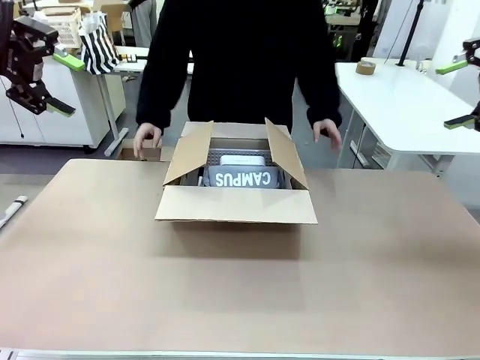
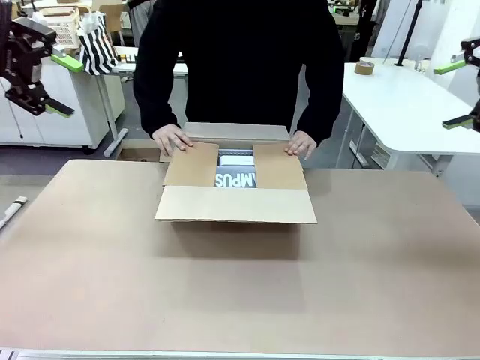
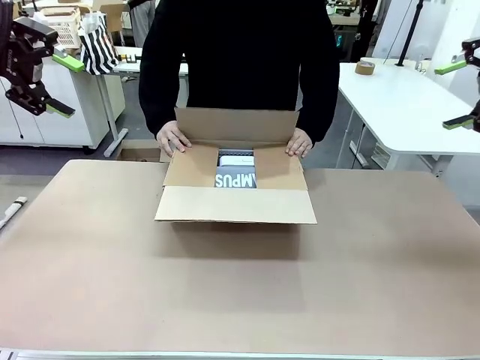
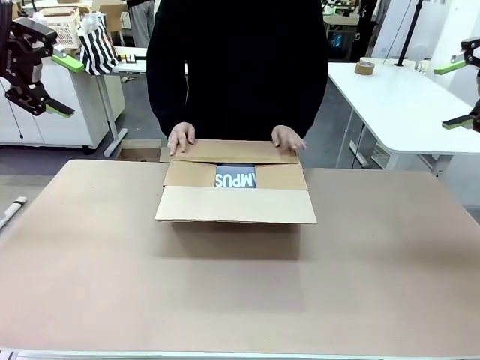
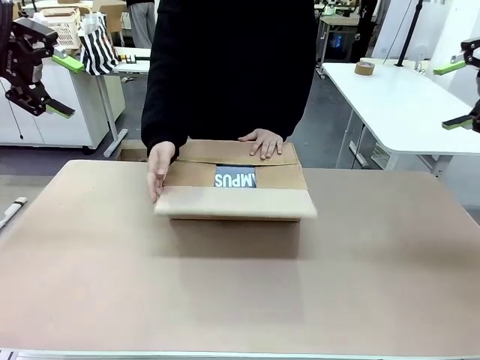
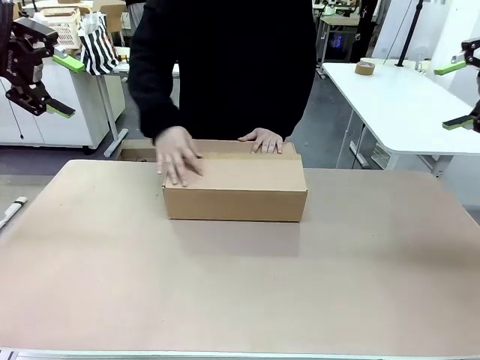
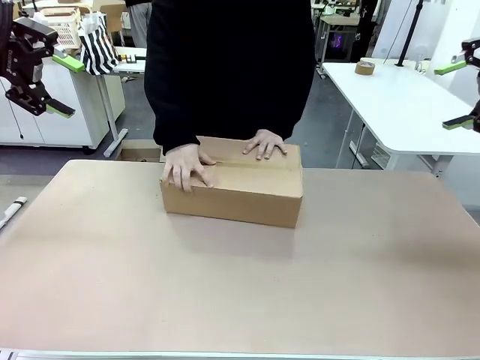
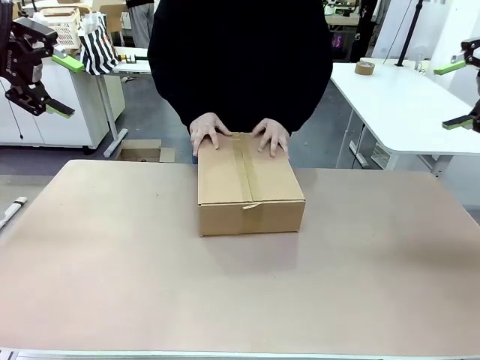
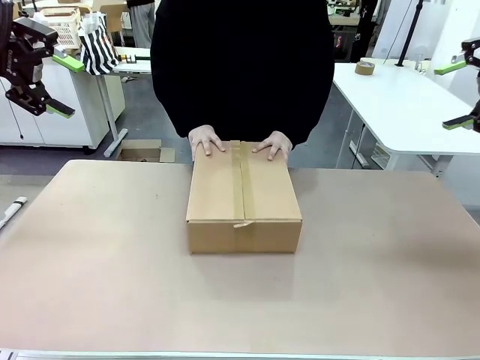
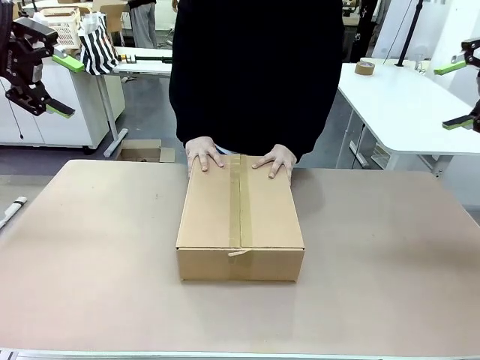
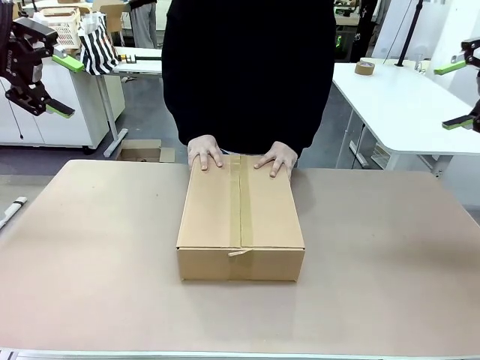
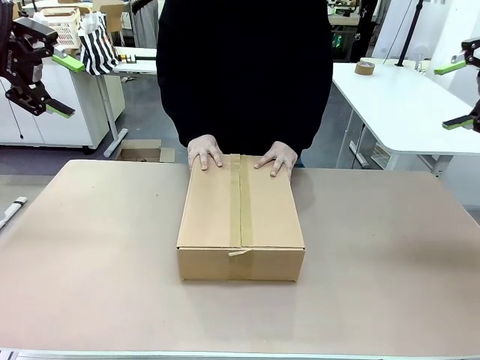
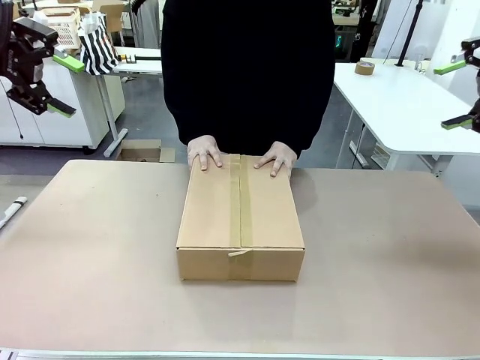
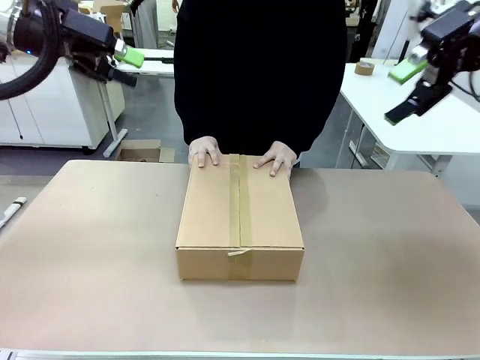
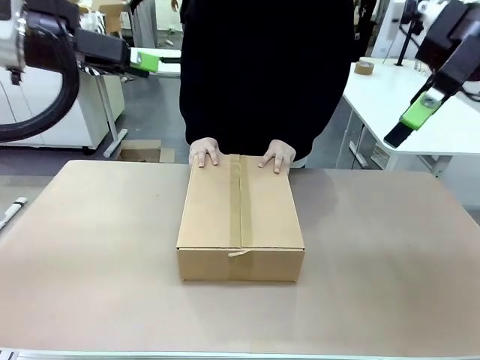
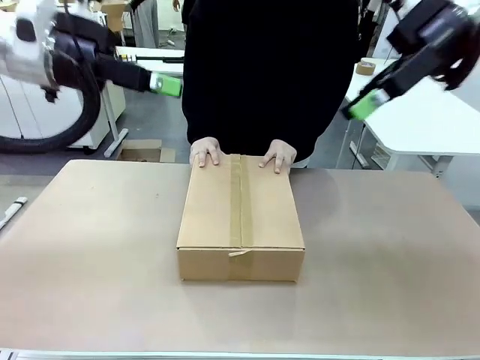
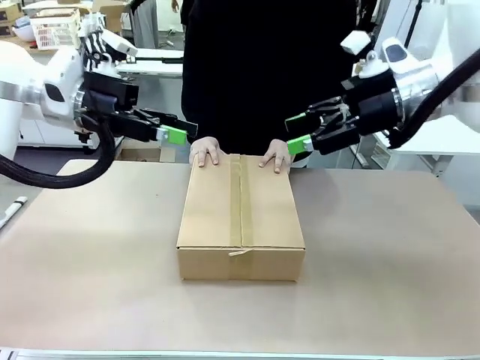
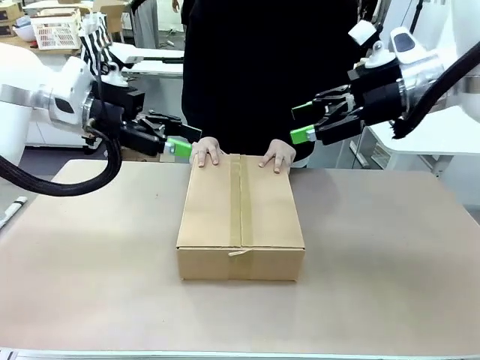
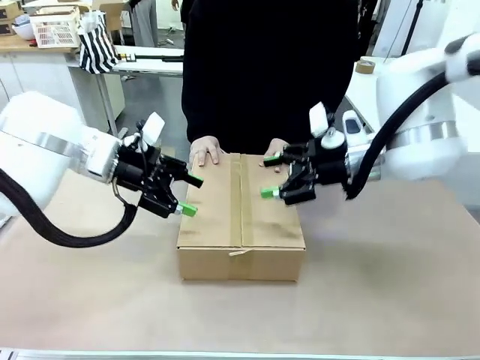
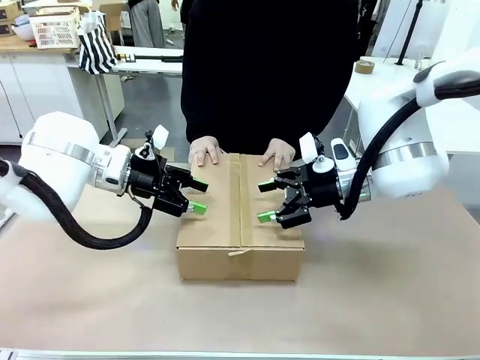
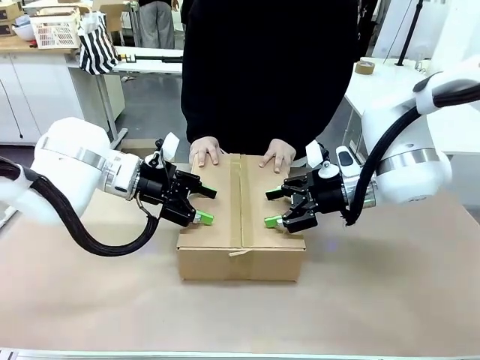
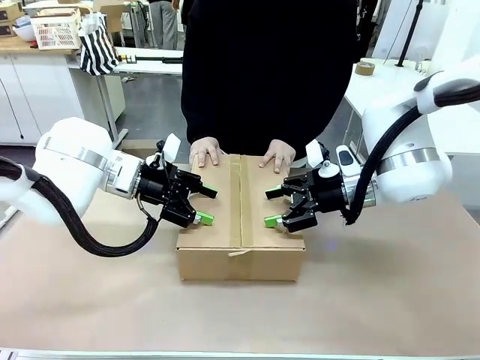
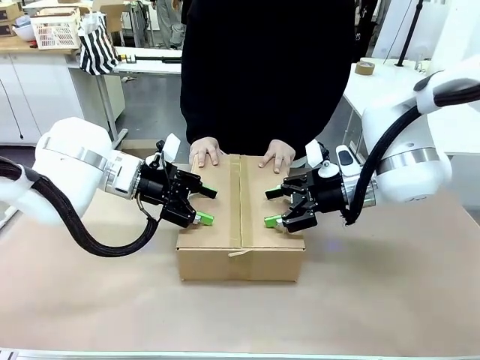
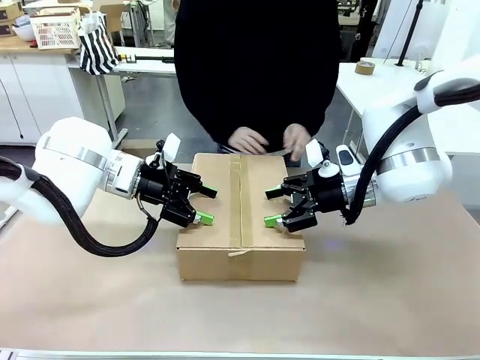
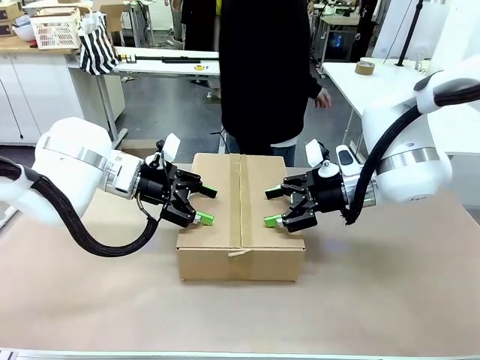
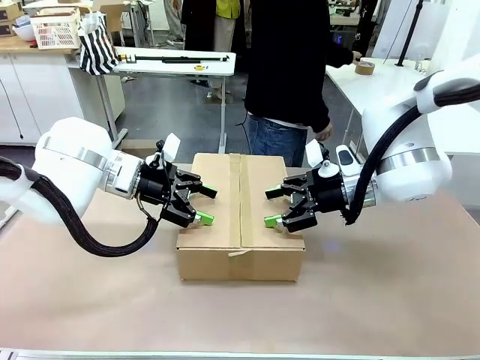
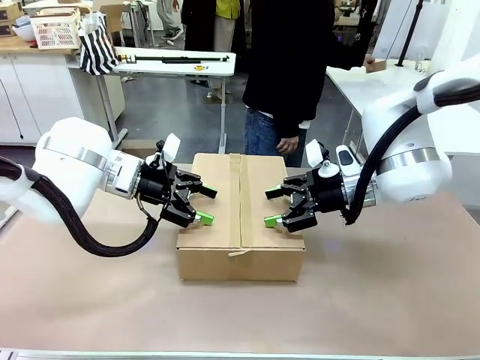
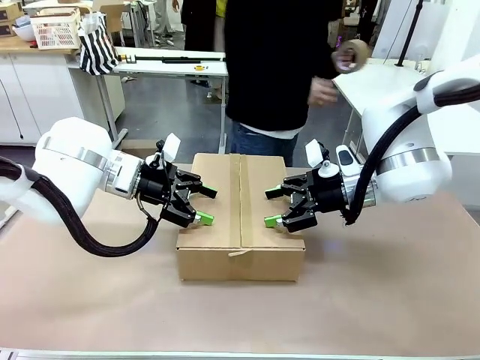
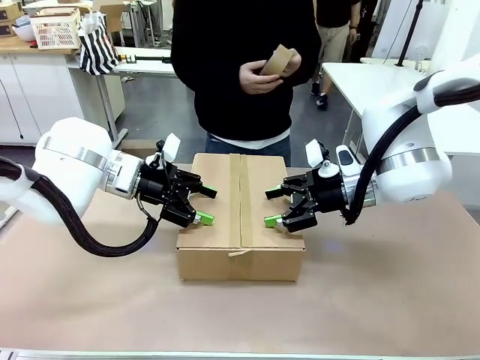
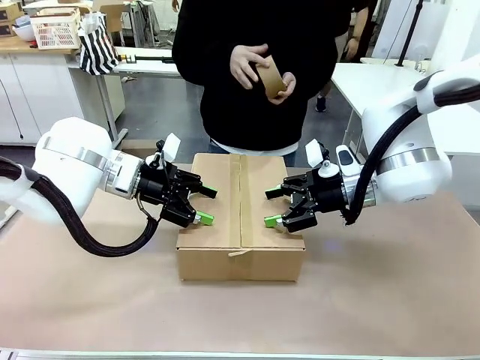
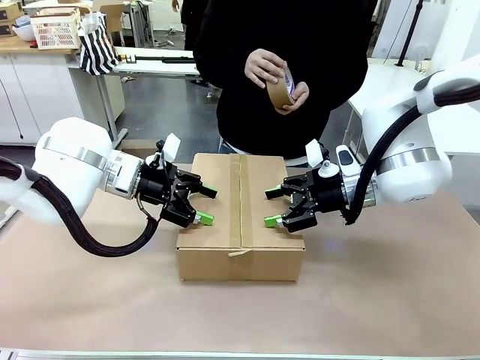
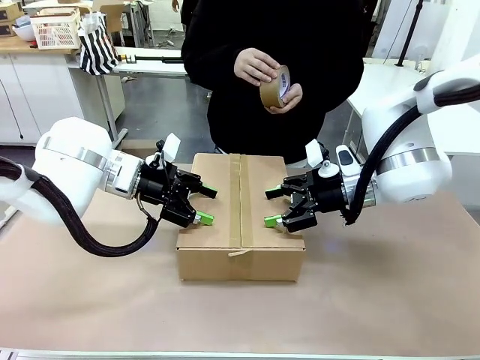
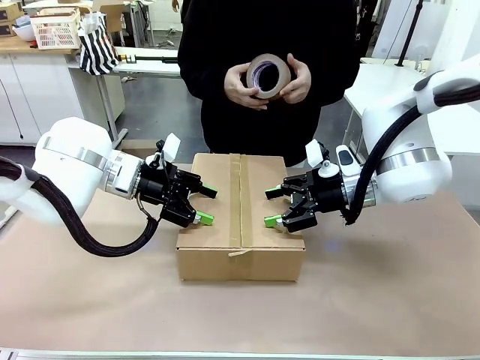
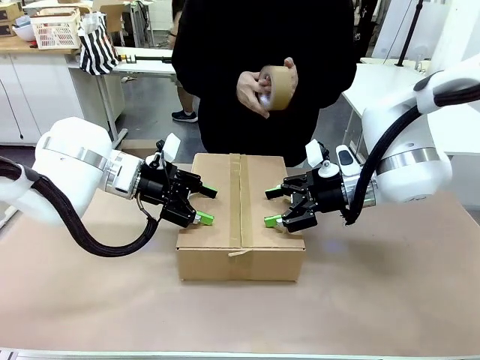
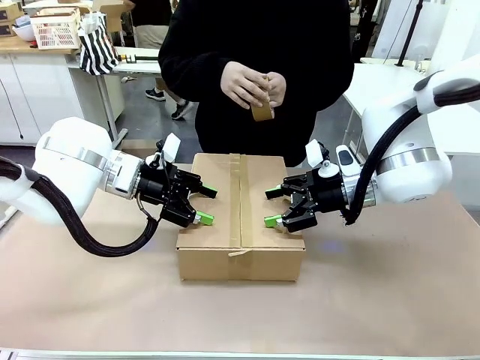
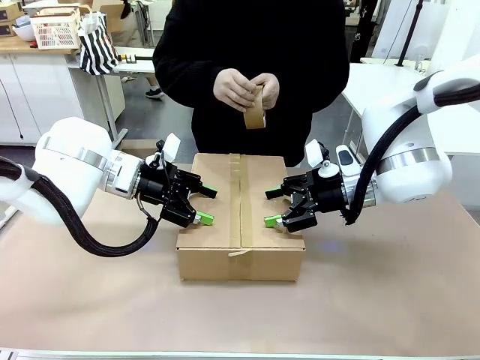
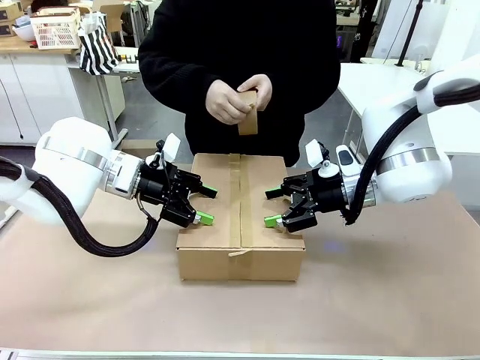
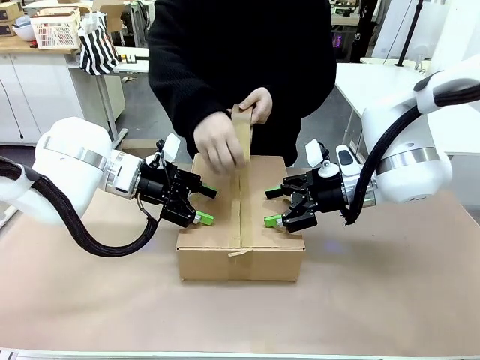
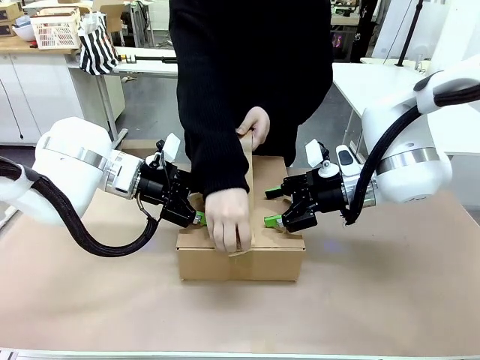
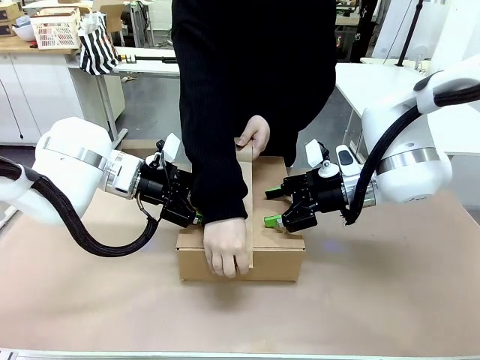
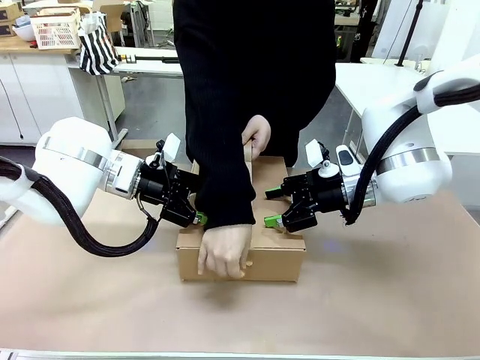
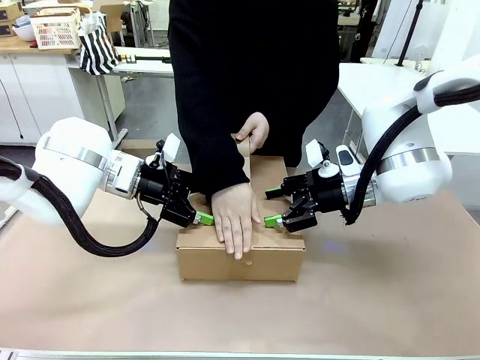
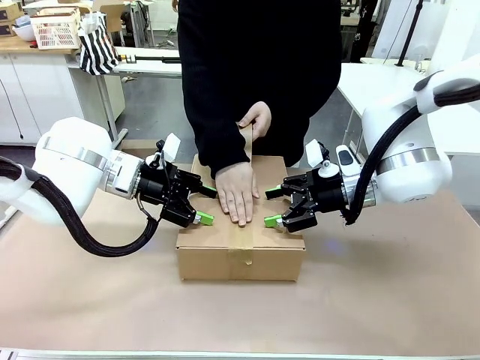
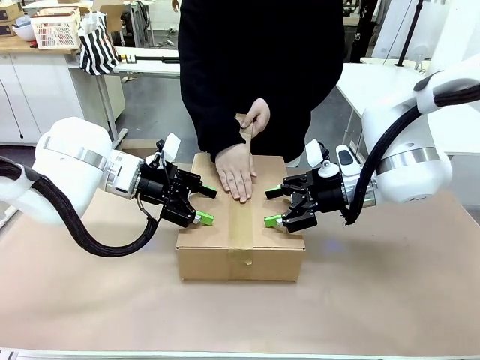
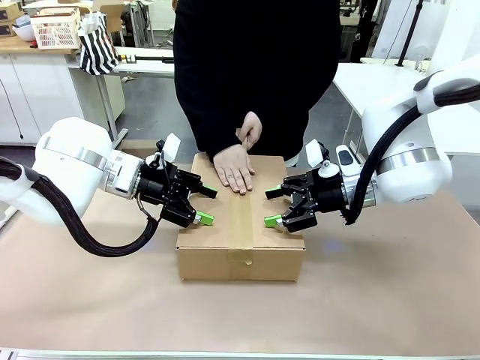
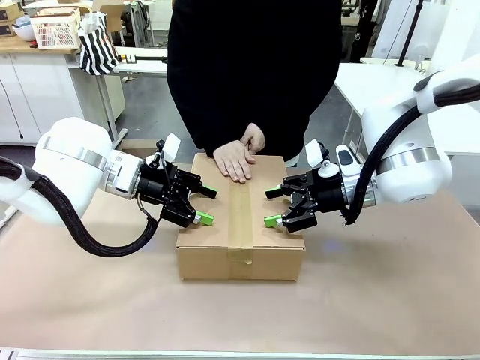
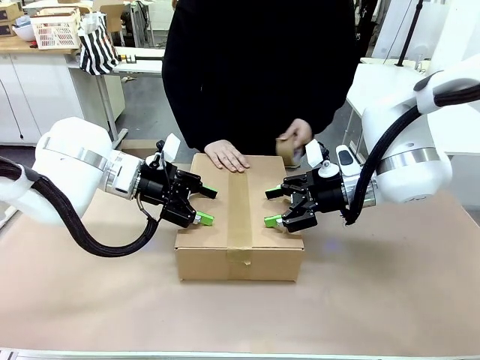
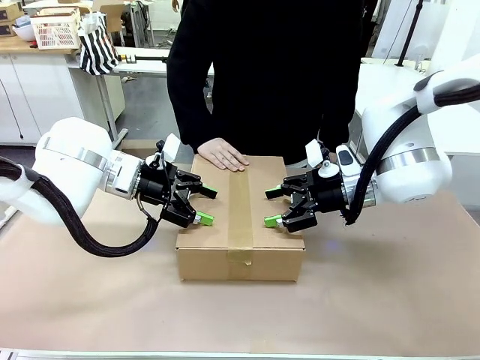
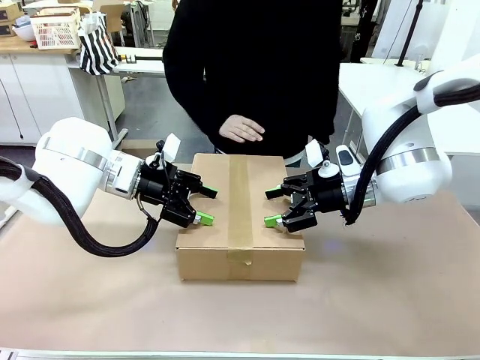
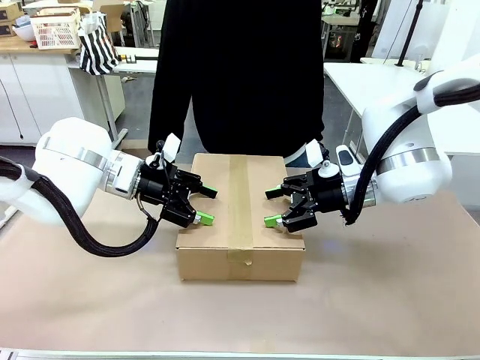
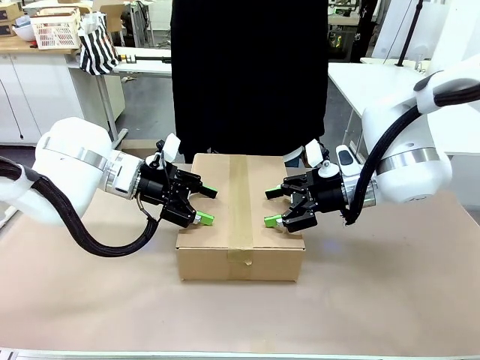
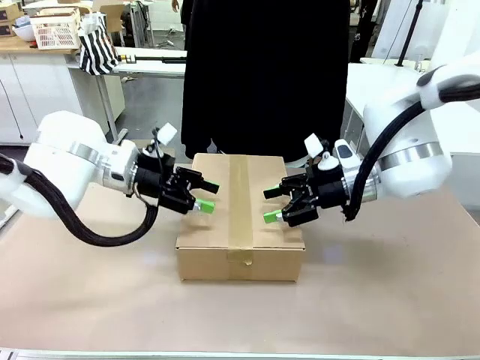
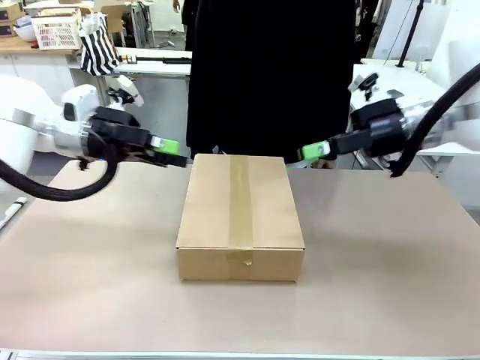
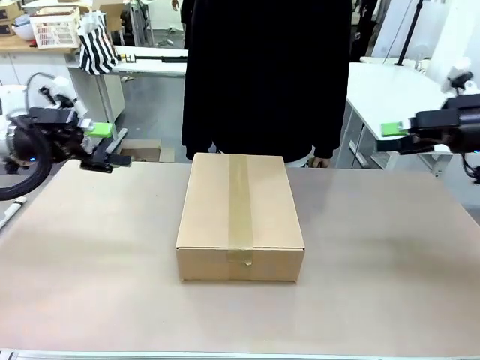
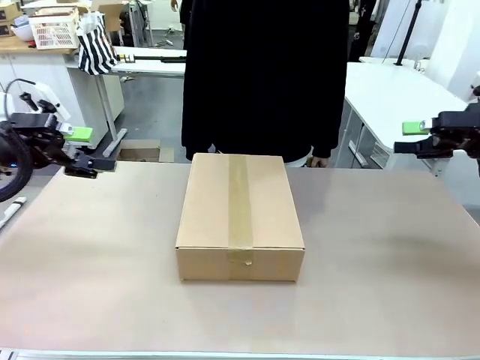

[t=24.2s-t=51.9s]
Task: Pack the gift set into the box.
Robot: Press and hold the closed box until the human finishes sealing it.
Person: The human closes the box and rotates the box by 90 degrees. The human picks up the paper tape from the human table and packs the box.
